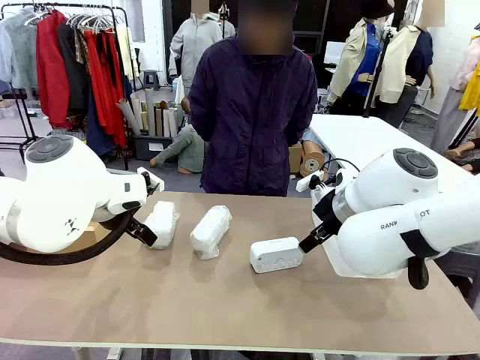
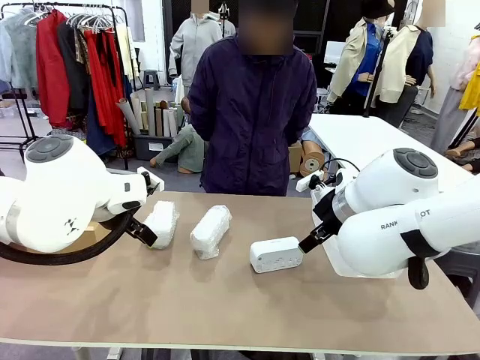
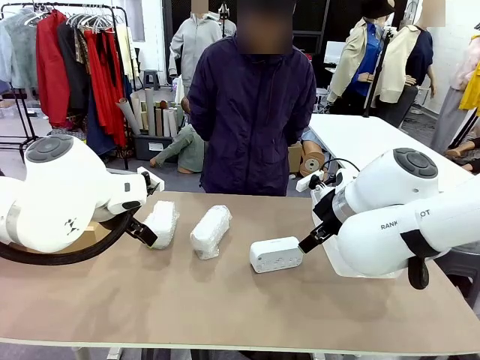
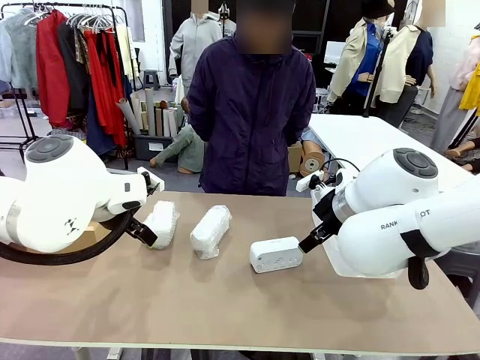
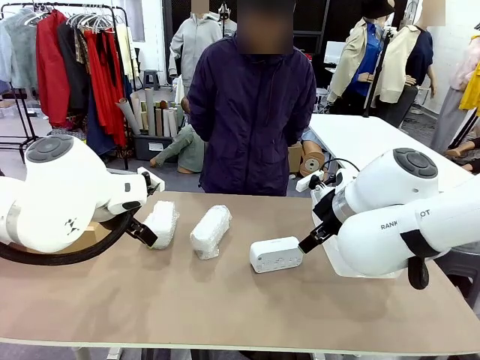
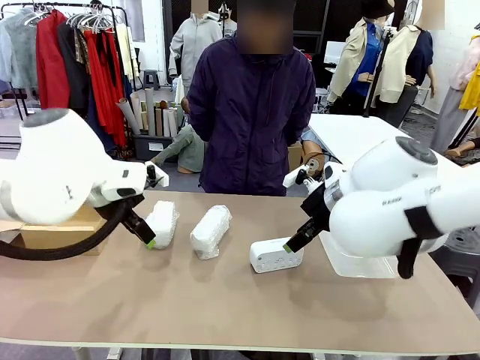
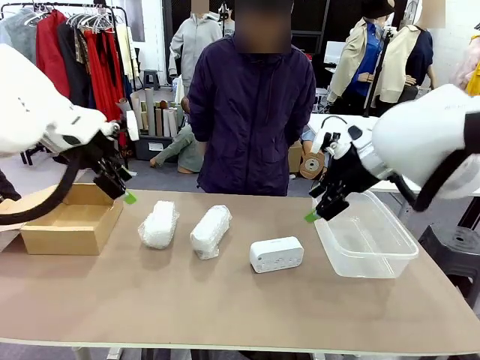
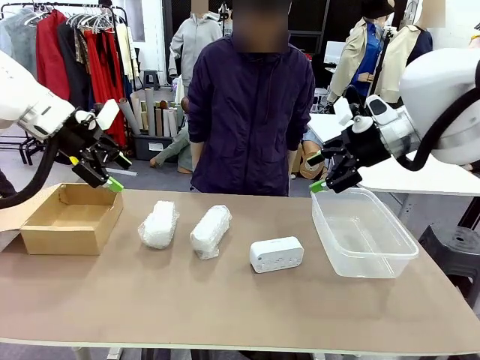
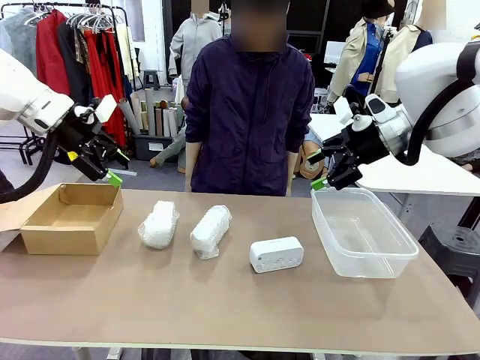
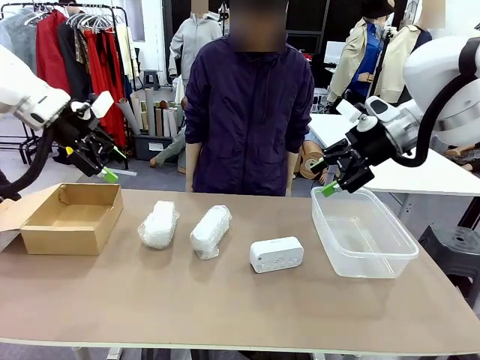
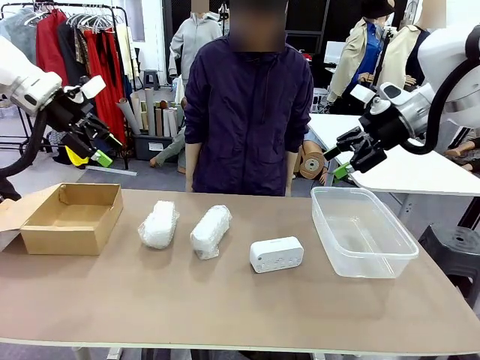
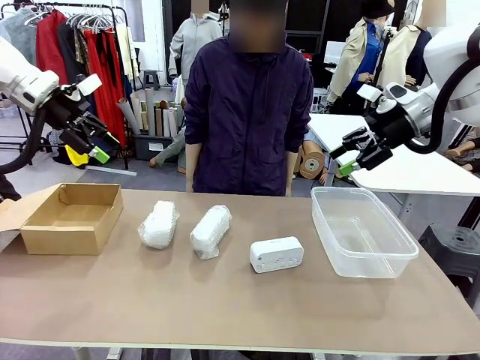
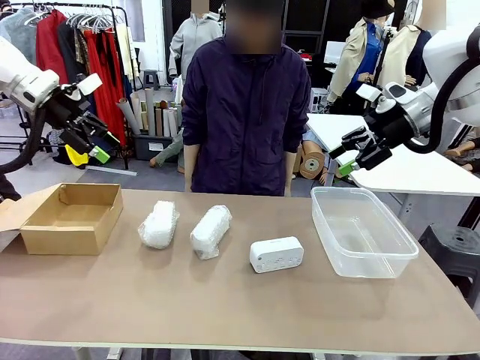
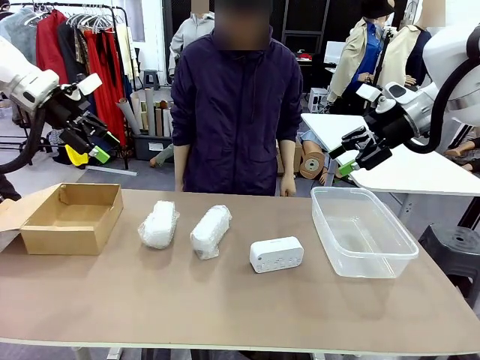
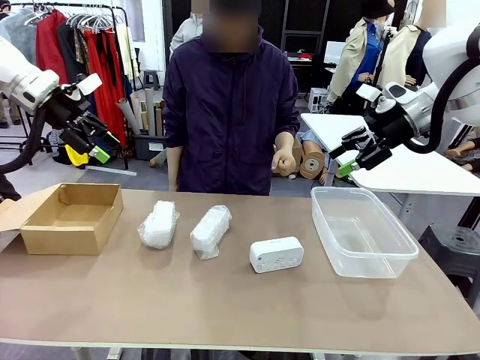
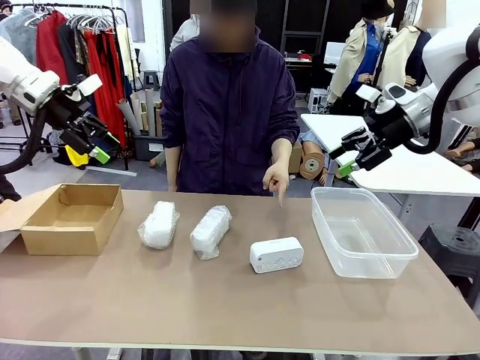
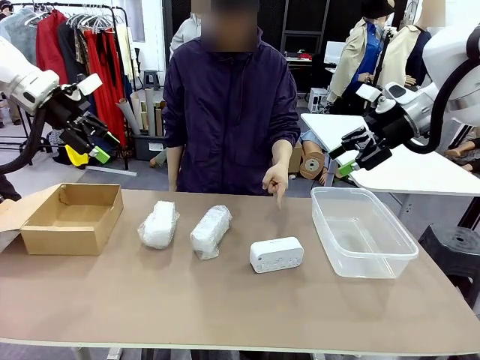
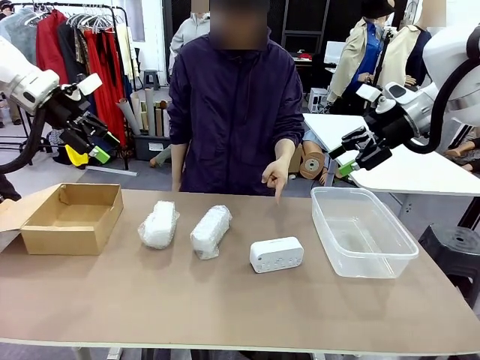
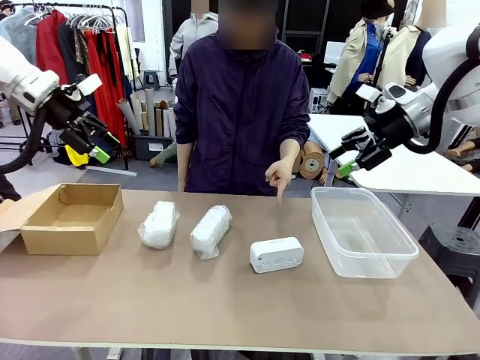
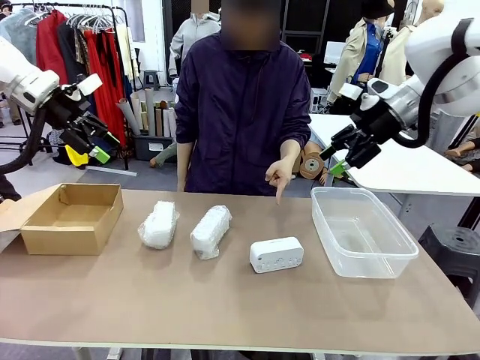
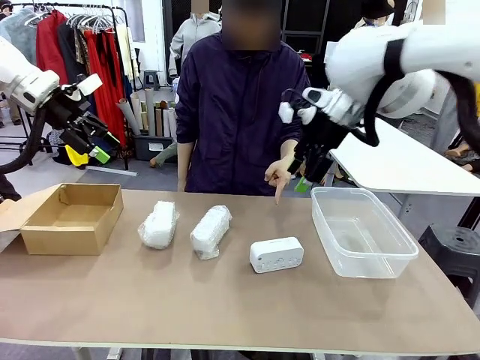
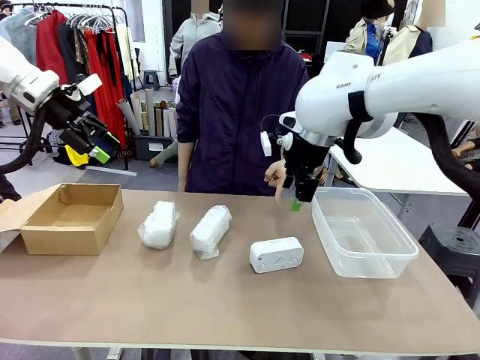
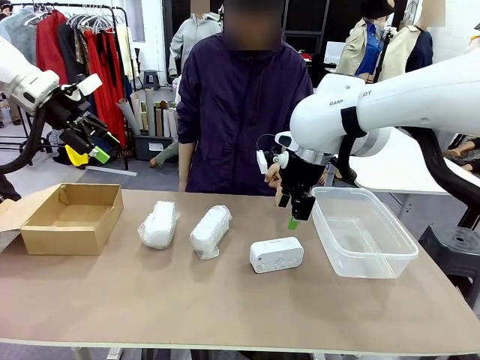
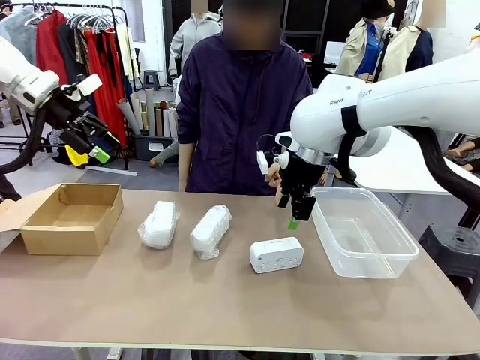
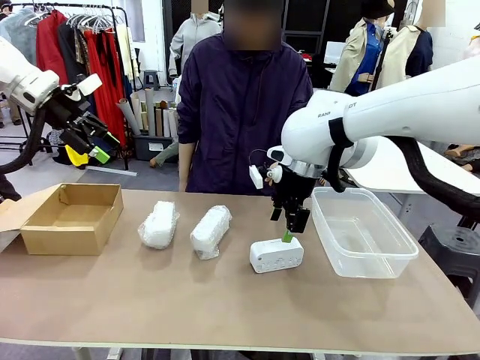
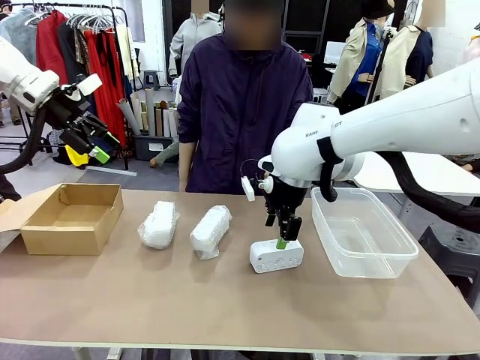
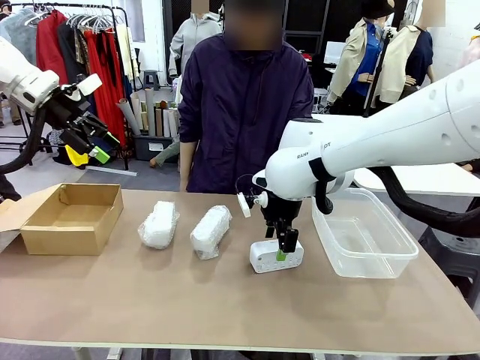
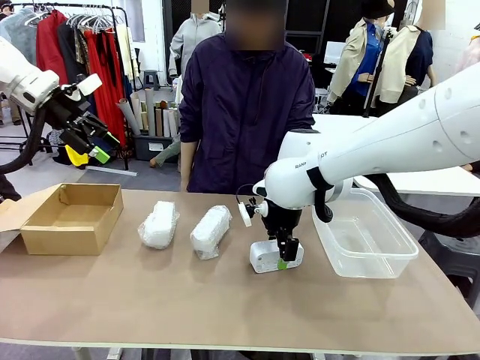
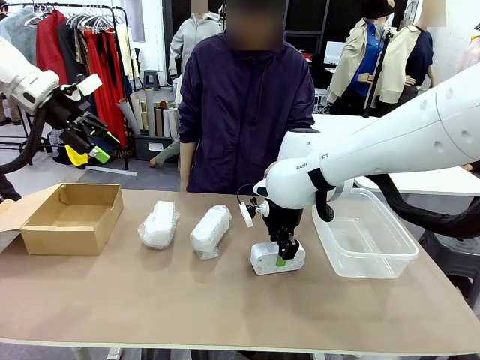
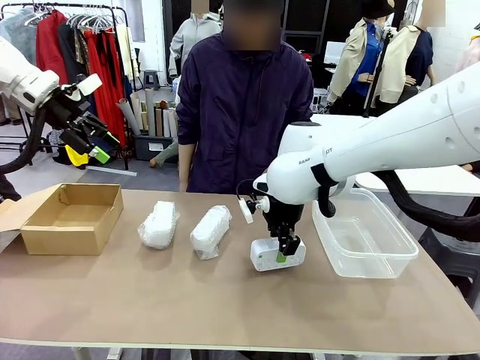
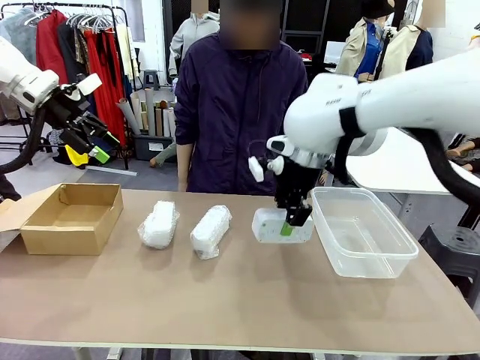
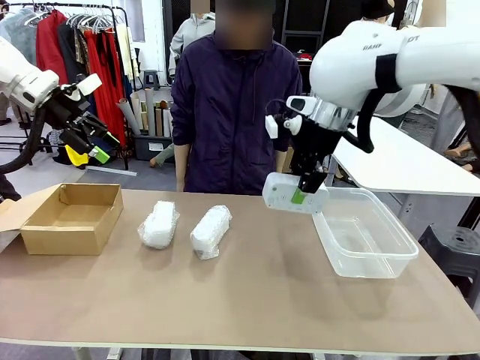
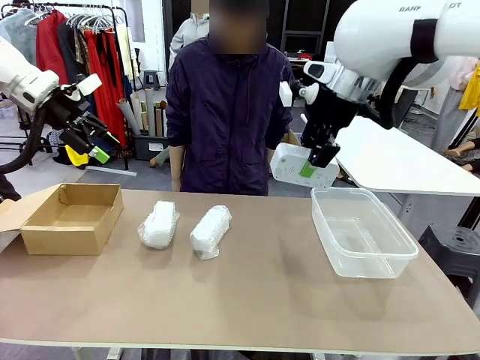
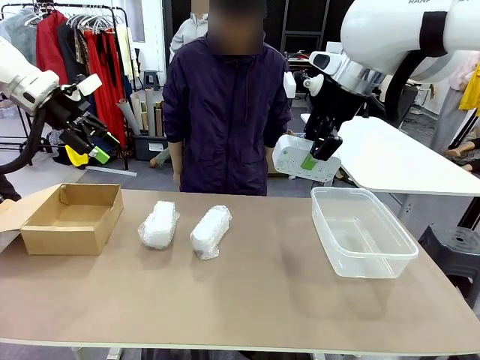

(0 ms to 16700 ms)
Task: Separate and place wrapped and unwrapped clocks.
Robot: Pick up the Digital clock indicated by the person.

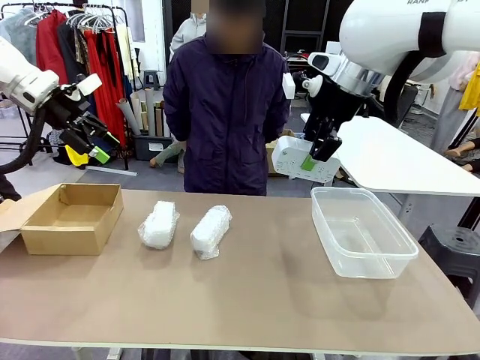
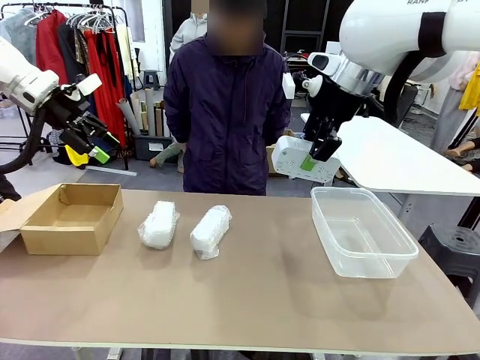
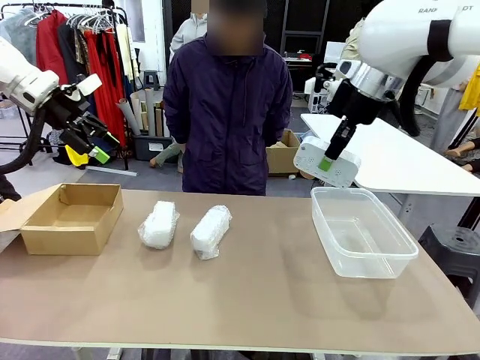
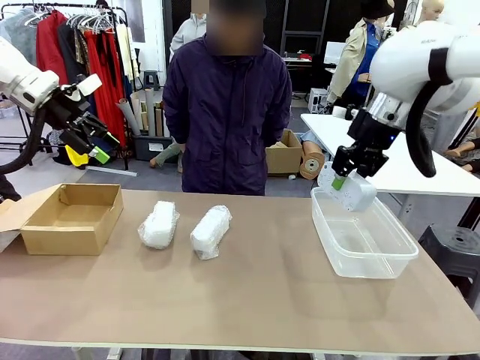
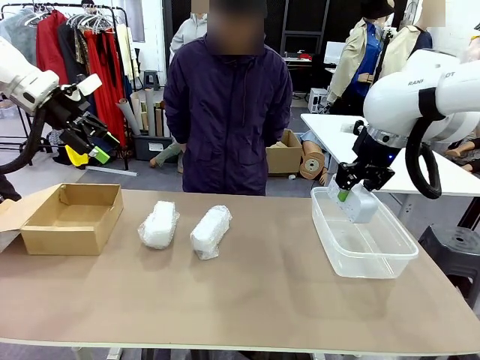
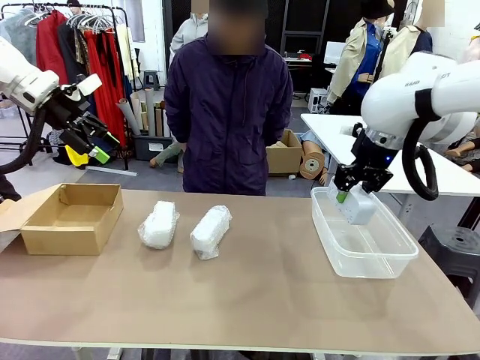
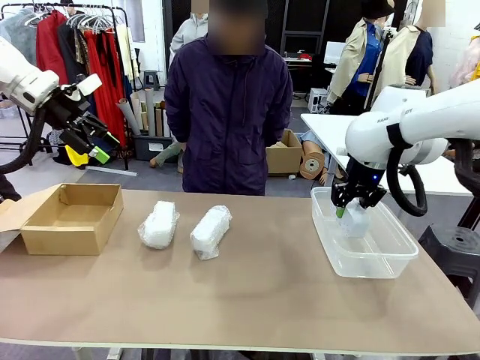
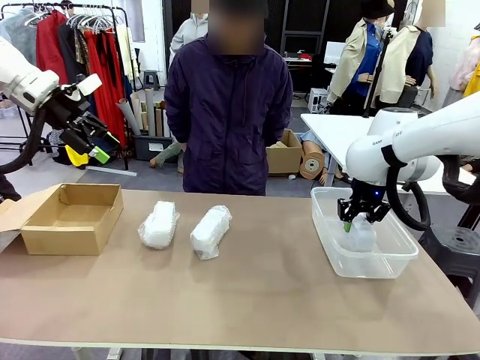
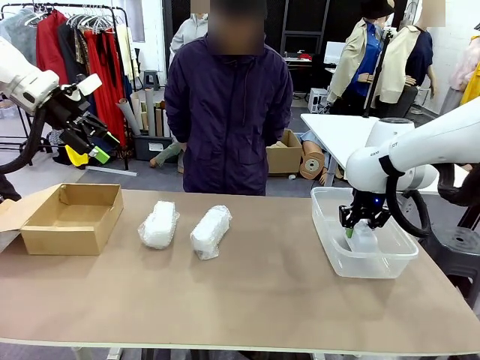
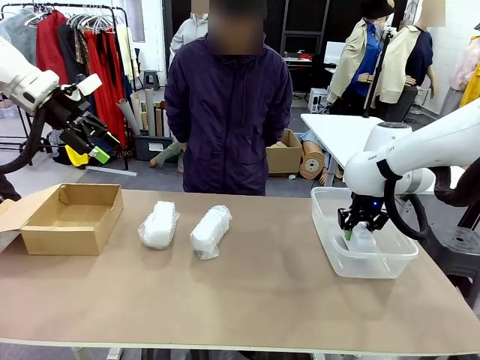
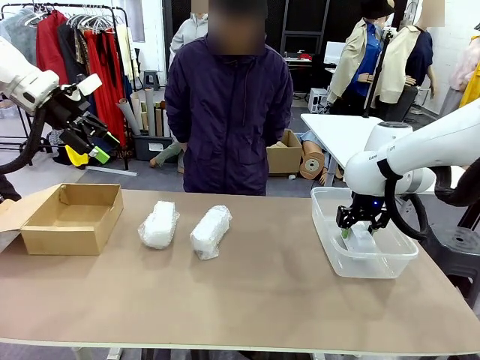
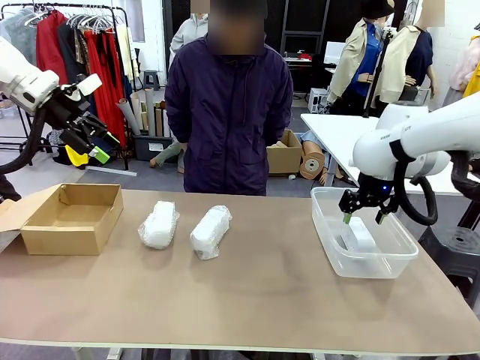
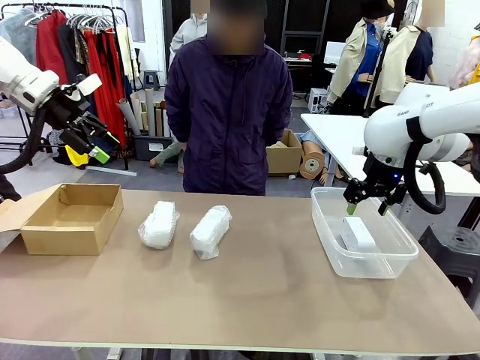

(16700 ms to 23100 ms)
Robot: If the picked Digital clock is wrapped, place it in the Package Box ; if not, place it in the Organizing box.
